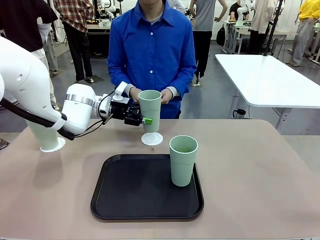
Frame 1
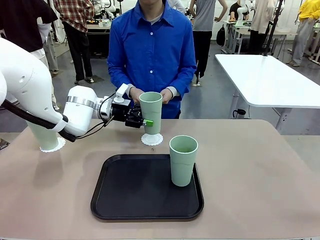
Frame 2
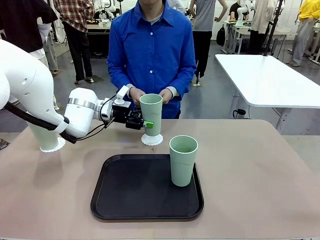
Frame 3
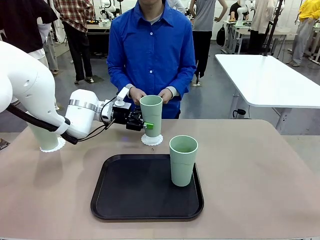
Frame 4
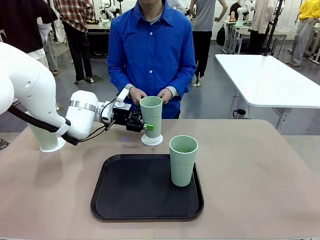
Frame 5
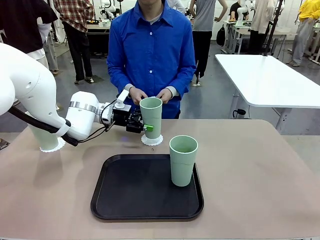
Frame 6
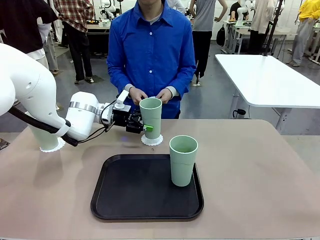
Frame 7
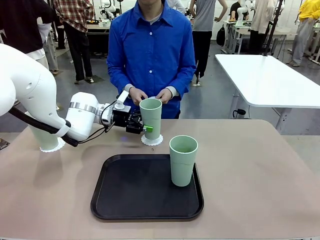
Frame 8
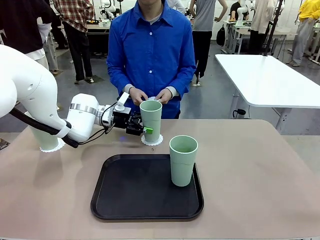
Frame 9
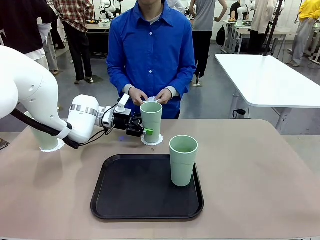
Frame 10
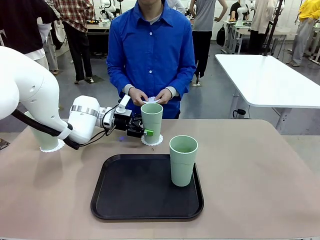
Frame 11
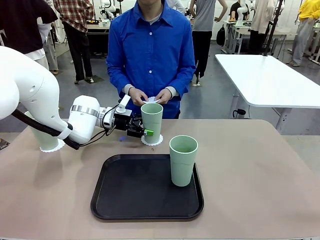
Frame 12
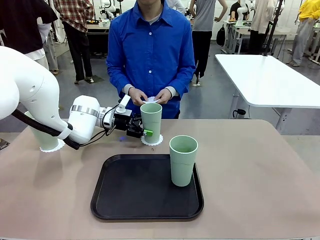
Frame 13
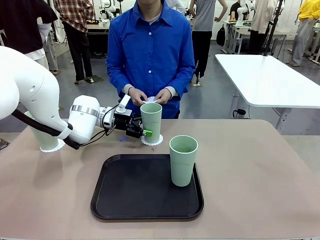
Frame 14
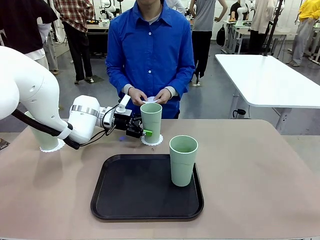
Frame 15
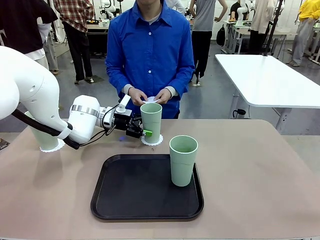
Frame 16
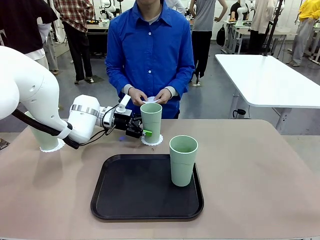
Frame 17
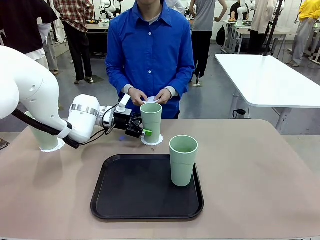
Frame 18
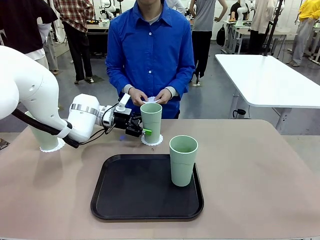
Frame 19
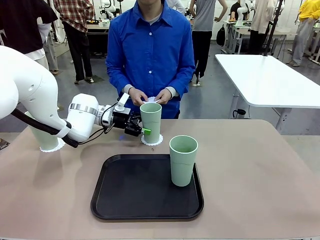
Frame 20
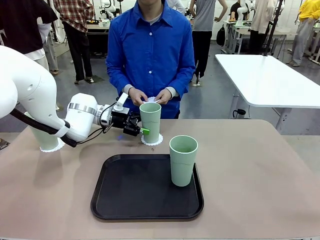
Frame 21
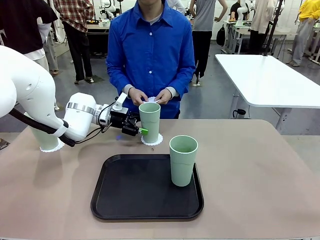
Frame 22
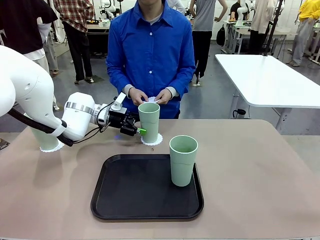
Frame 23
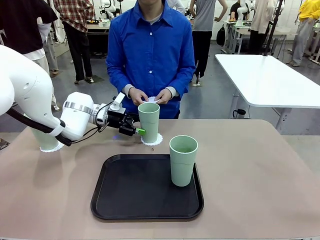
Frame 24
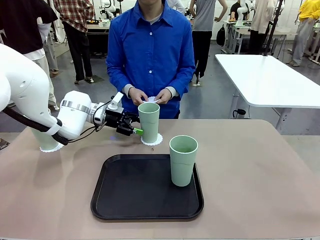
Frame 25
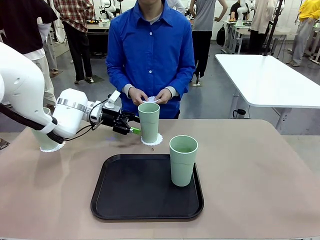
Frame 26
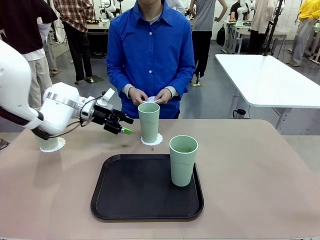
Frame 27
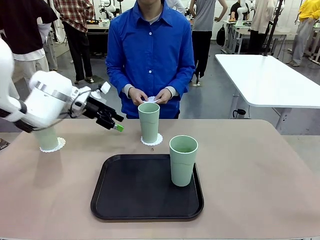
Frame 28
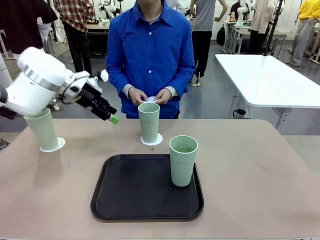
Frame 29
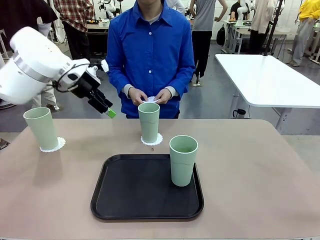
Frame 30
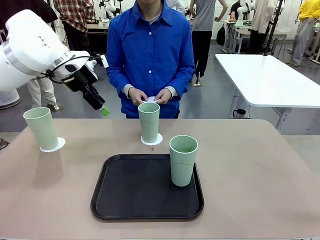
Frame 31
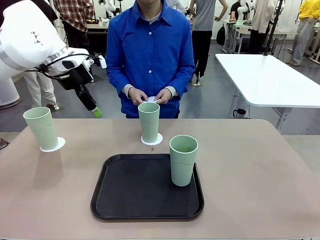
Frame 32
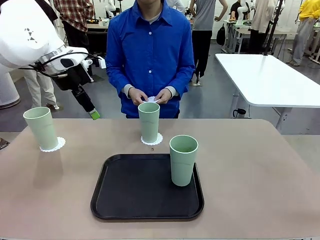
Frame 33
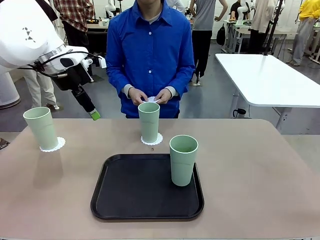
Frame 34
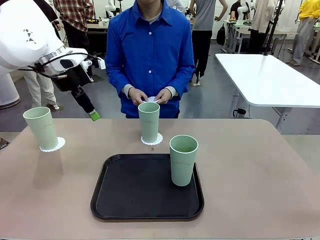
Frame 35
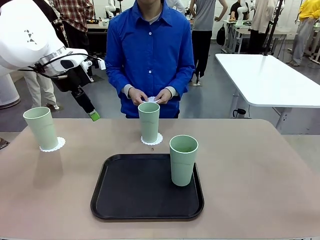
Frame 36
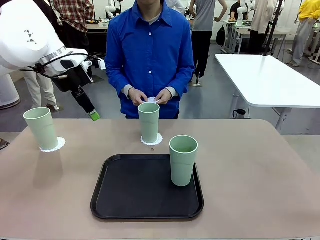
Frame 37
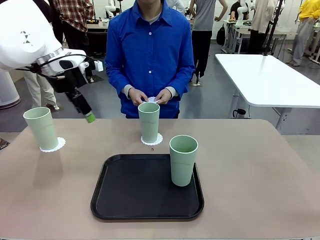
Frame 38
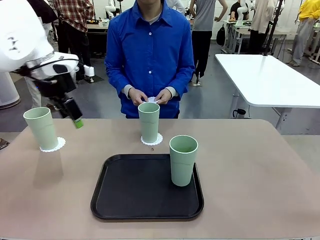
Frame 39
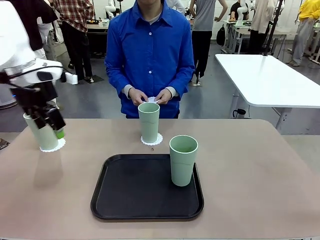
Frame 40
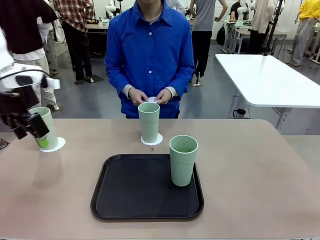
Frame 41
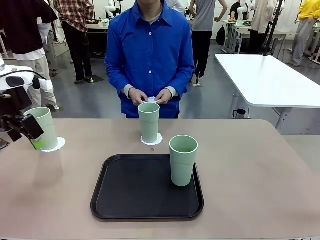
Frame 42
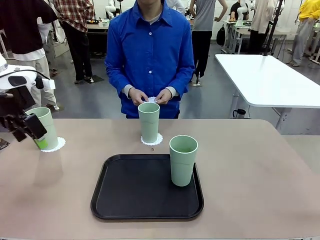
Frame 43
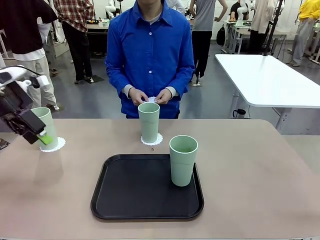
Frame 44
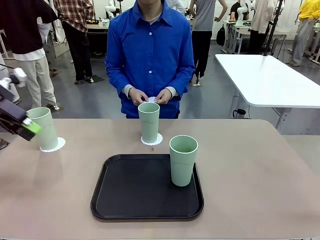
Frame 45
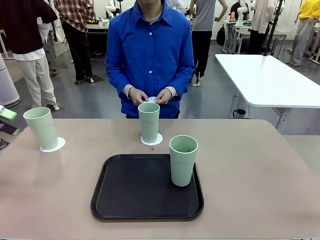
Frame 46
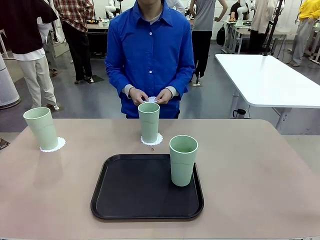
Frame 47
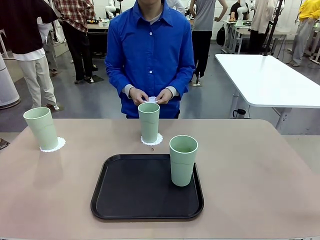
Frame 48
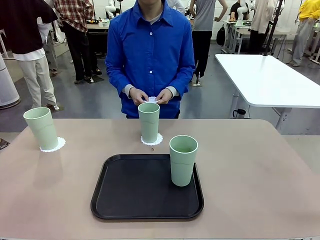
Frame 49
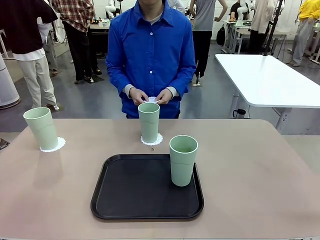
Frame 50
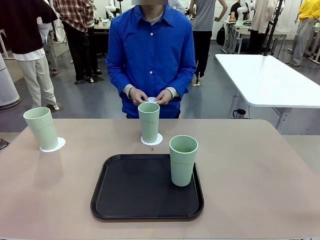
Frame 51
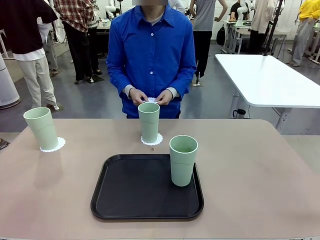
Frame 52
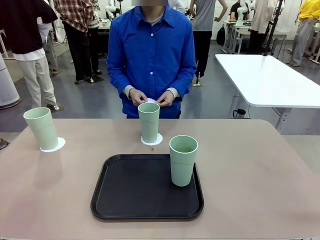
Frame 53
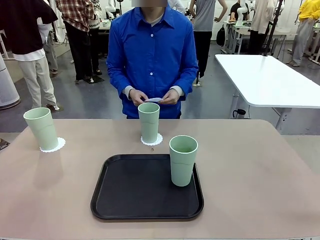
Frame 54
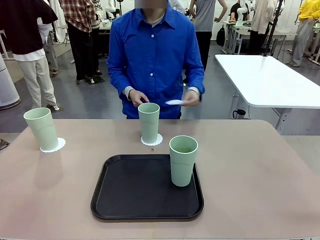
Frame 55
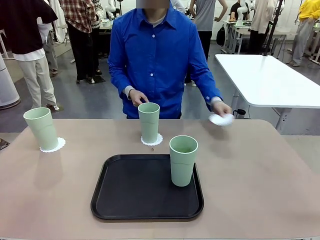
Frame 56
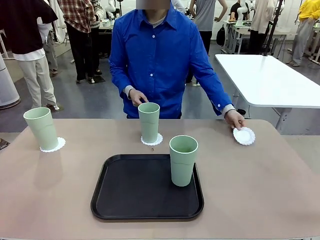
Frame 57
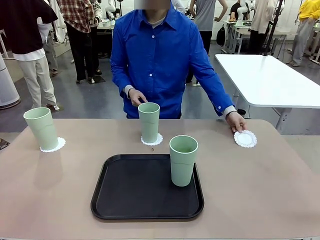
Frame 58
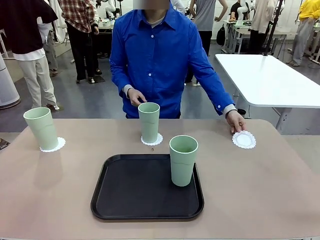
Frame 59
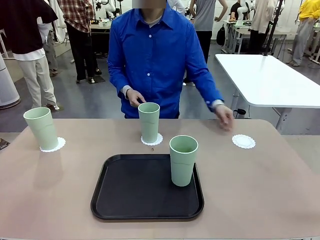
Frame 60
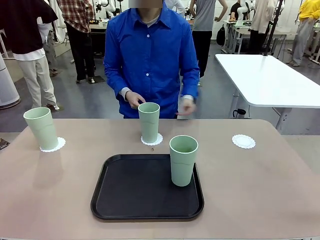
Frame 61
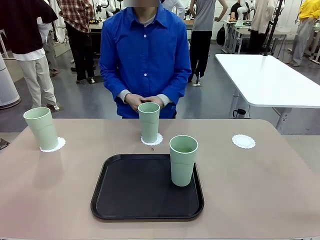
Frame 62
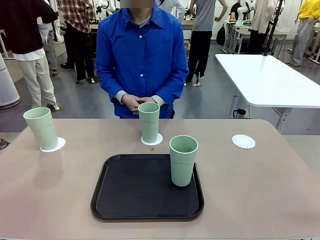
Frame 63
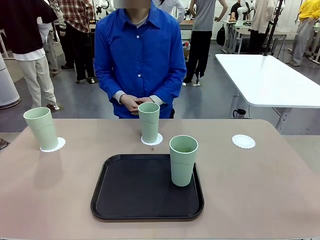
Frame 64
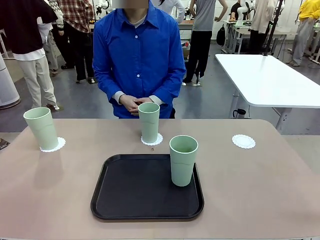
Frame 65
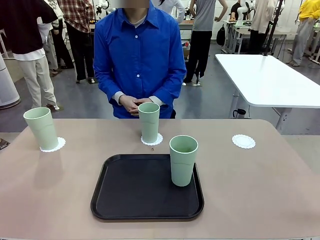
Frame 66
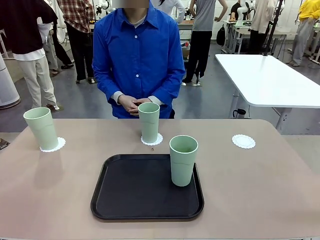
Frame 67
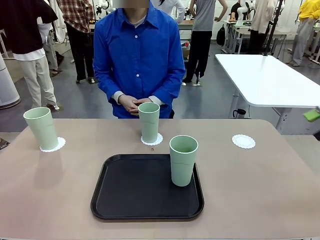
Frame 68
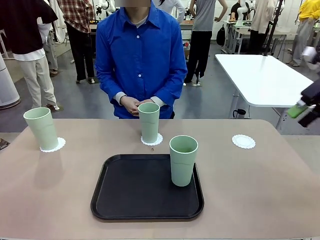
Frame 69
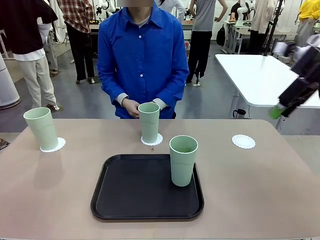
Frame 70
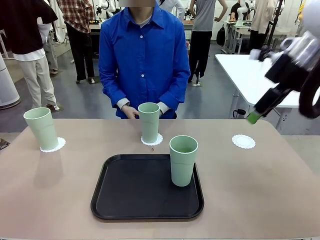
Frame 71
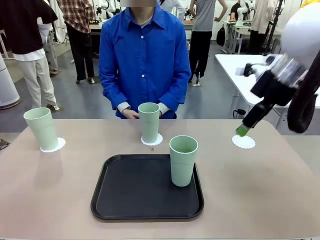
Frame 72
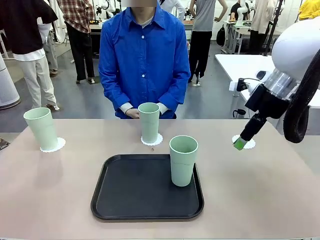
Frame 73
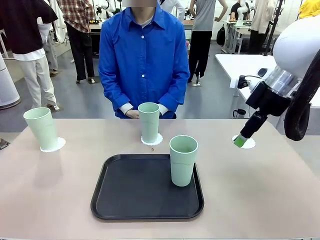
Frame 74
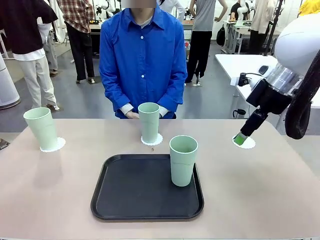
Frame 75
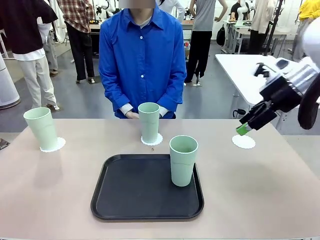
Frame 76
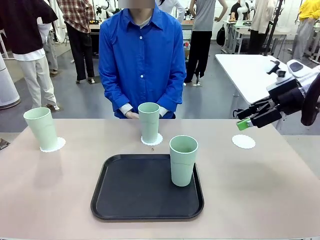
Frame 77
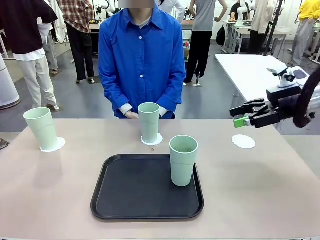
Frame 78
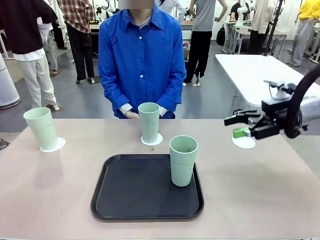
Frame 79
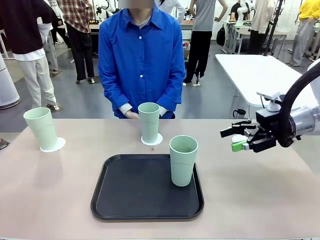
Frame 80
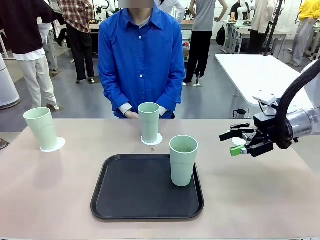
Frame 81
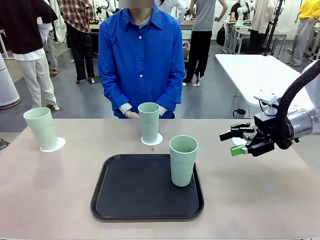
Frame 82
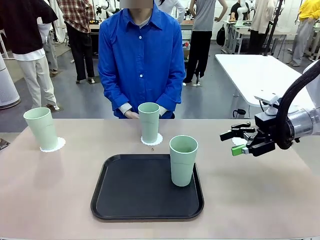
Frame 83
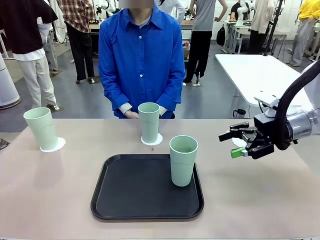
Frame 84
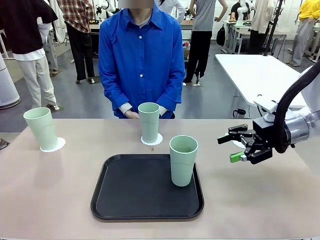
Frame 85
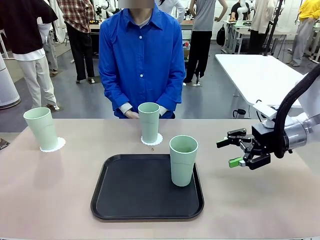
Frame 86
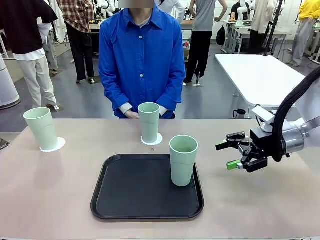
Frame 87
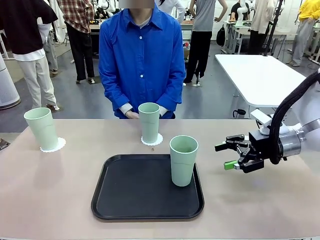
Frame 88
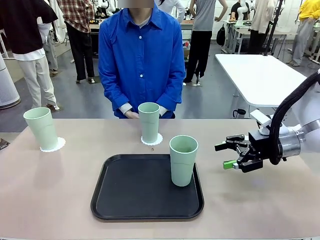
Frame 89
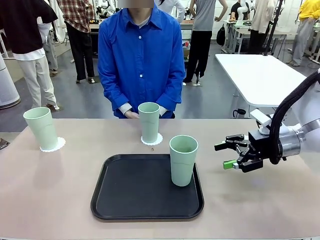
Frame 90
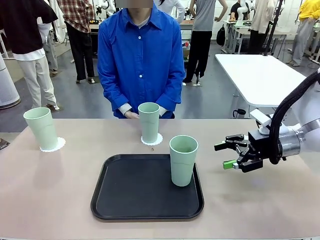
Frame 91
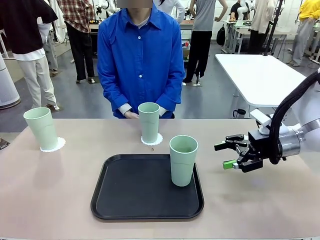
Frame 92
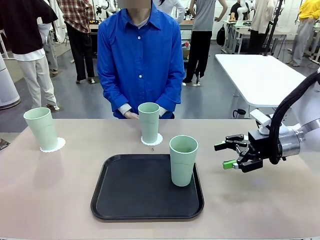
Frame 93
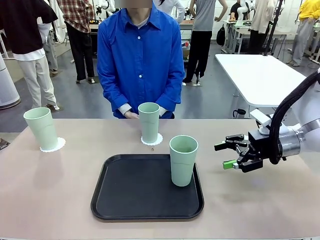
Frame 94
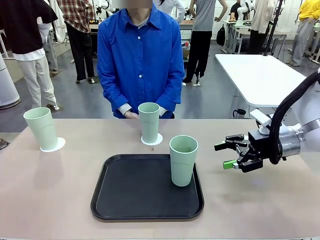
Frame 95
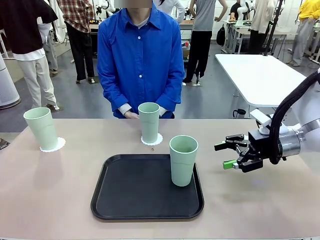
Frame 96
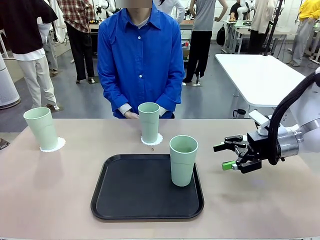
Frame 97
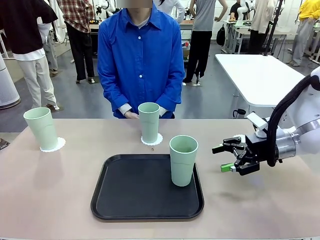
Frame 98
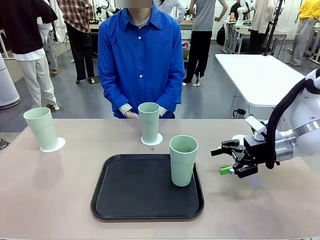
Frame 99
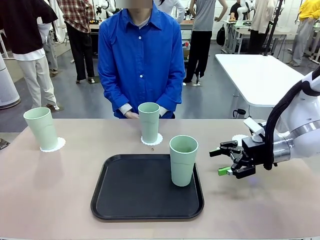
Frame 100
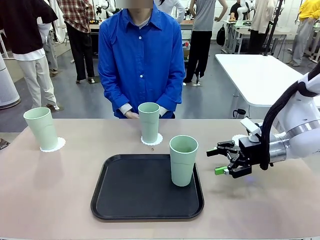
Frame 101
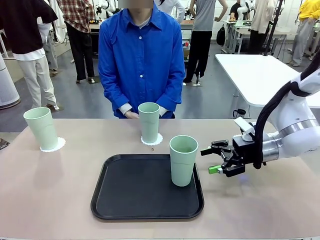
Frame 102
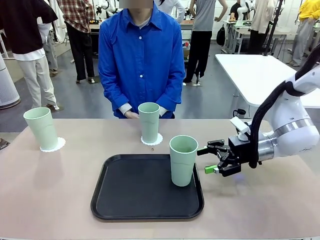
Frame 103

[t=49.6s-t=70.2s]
Task: Place coasters on the table and set cups on them.
Robot: Take one Reusable plastic cup from the Flat Tray and place it on a coaster set by the human.
